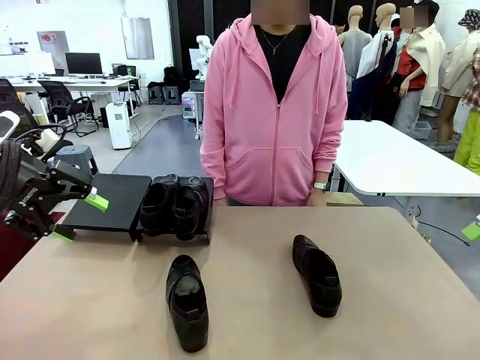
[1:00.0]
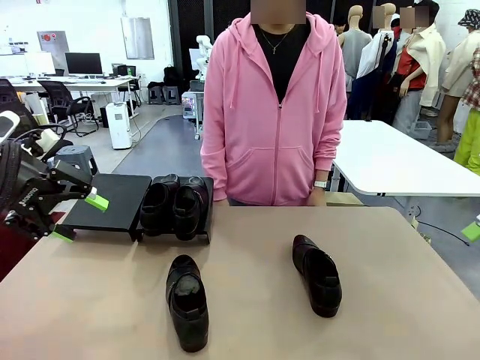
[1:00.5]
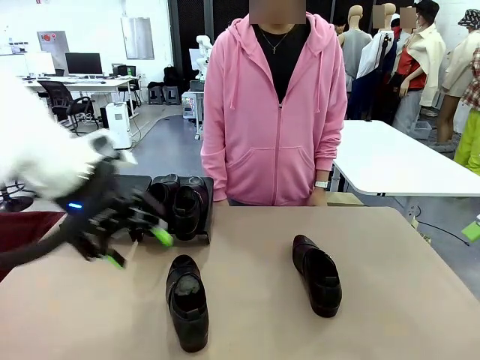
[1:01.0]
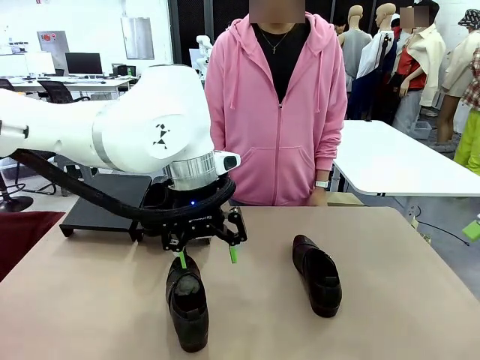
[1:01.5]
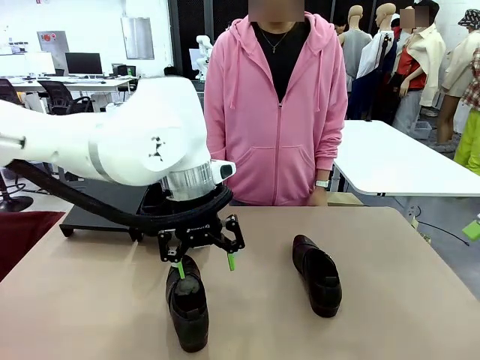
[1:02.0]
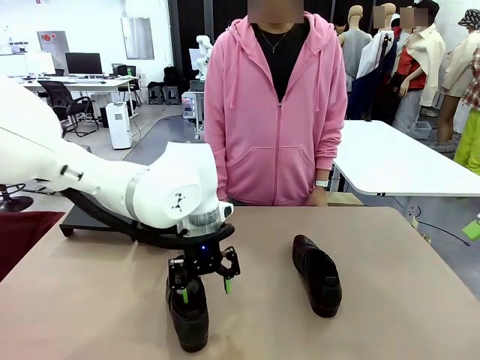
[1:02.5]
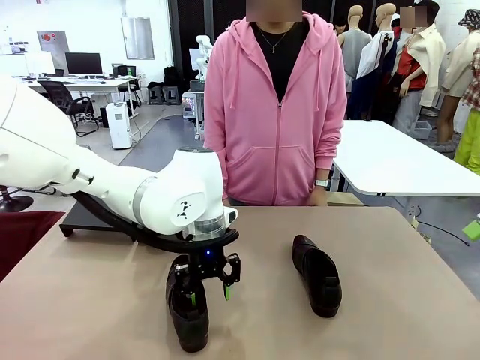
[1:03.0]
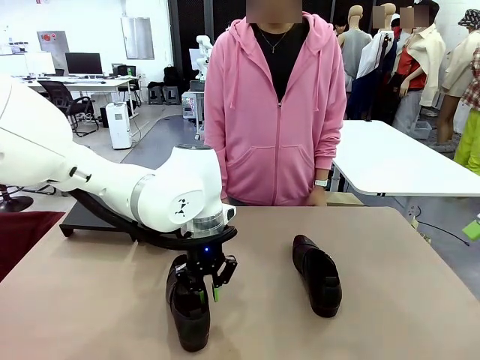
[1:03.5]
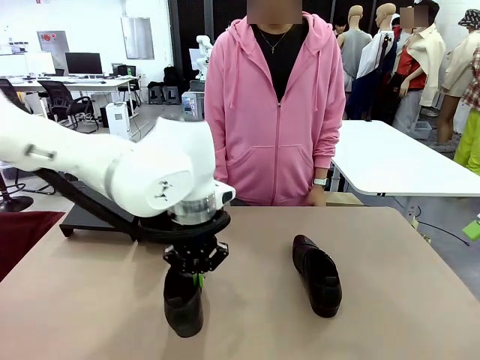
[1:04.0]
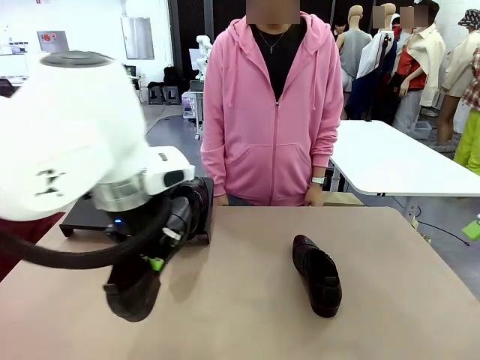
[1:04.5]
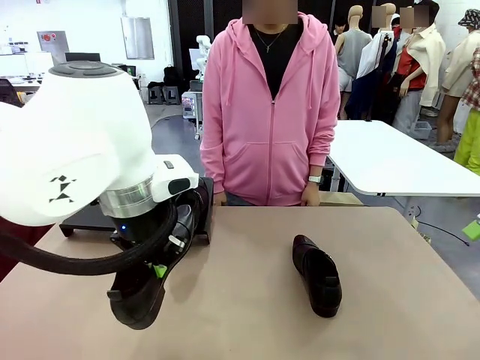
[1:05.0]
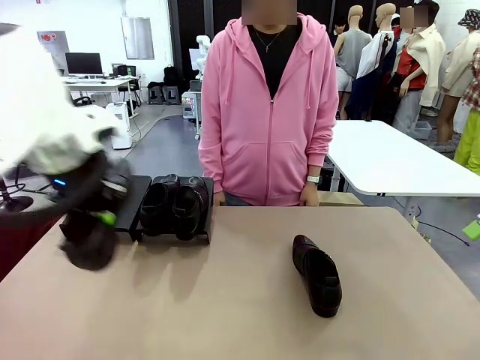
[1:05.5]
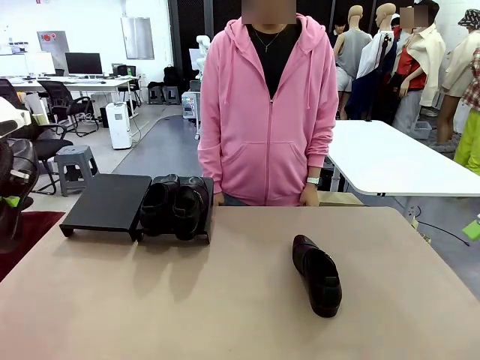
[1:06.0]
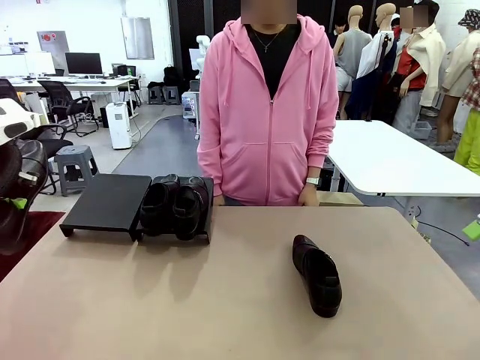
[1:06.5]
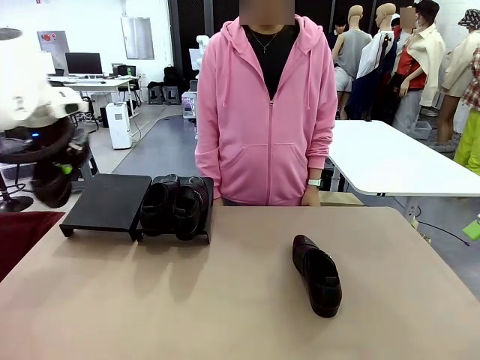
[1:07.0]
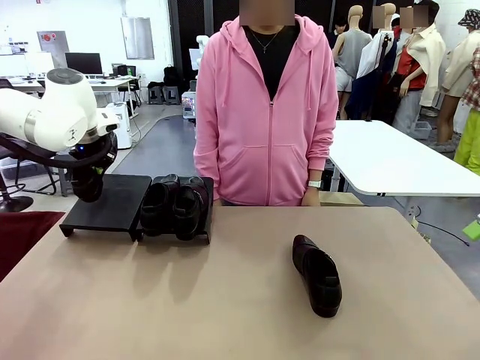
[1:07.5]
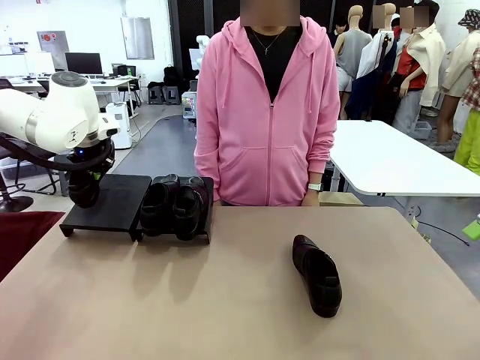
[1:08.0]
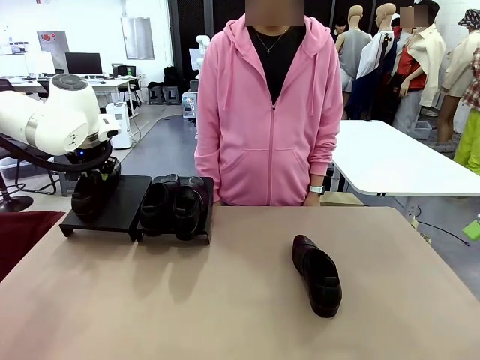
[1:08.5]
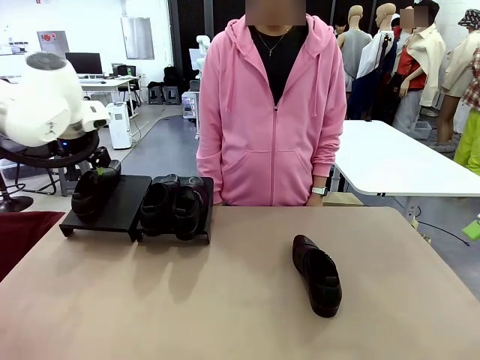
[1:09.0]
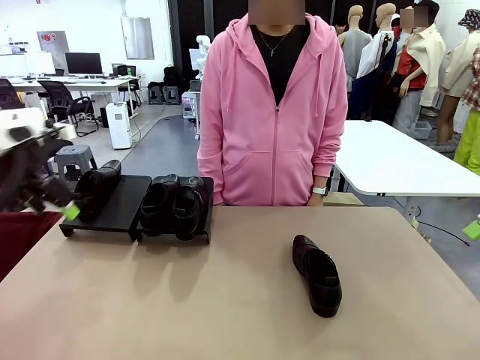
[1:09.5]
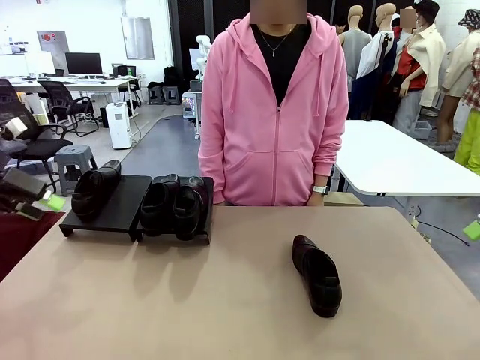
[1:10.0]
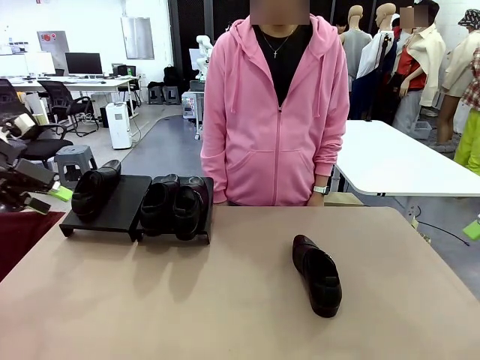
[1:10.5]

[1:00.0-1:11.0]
Task: Organize the shoes by placing them on the stand.
Robot: Place the Shoe from the middle of the table onto the Shoes Stand.

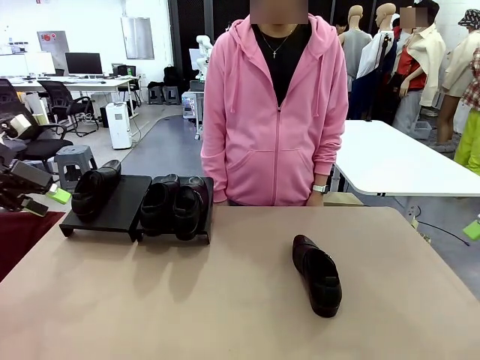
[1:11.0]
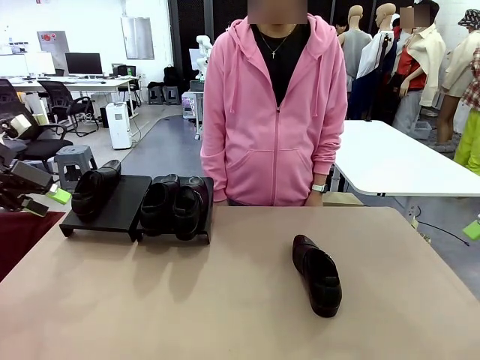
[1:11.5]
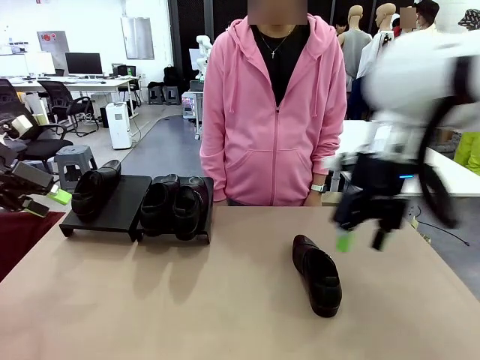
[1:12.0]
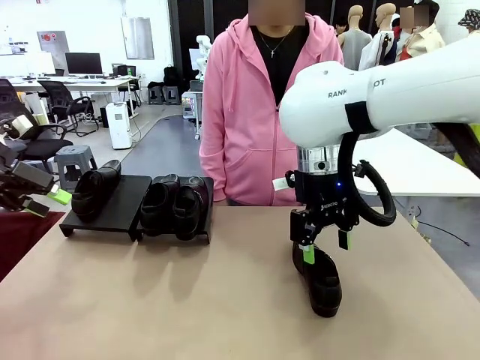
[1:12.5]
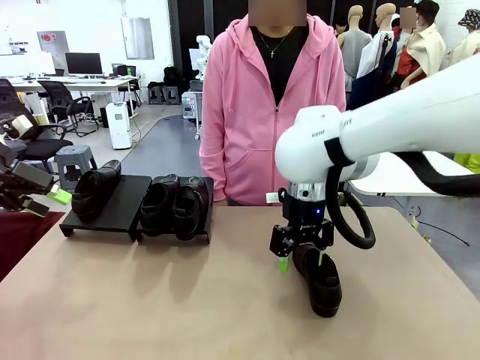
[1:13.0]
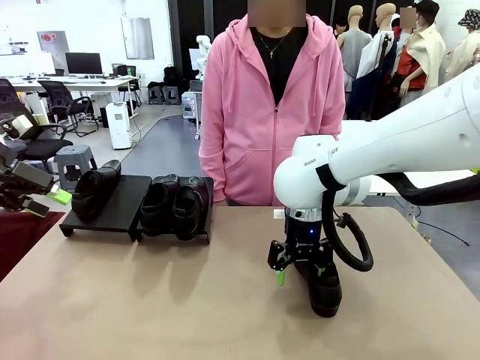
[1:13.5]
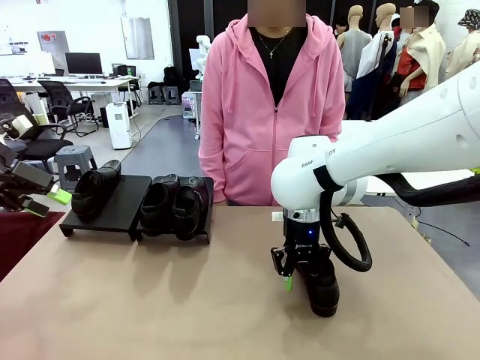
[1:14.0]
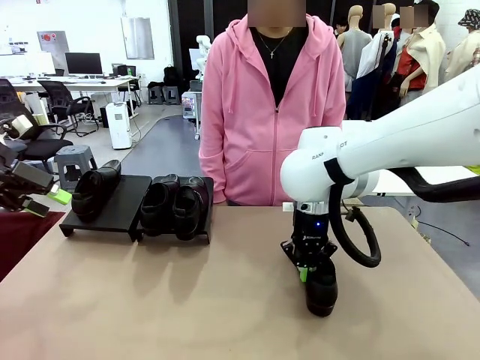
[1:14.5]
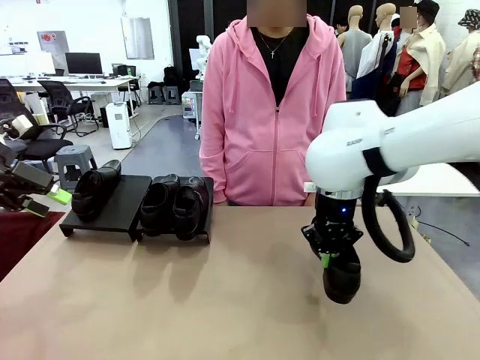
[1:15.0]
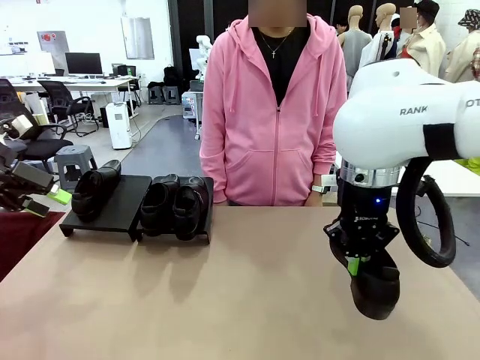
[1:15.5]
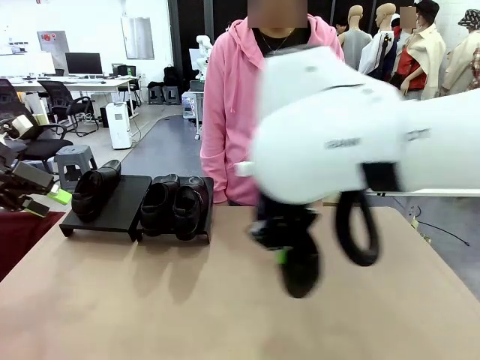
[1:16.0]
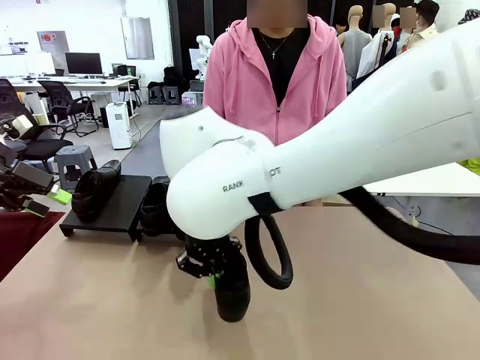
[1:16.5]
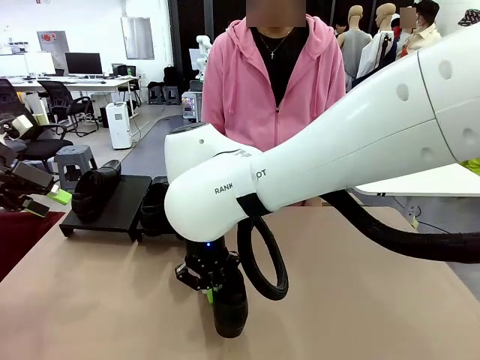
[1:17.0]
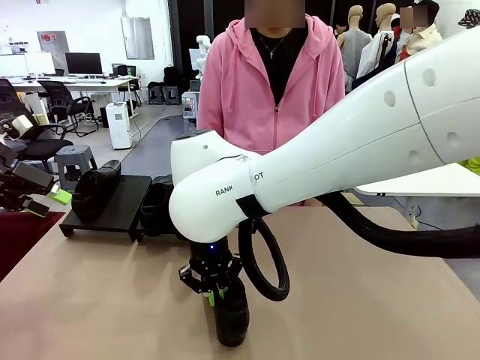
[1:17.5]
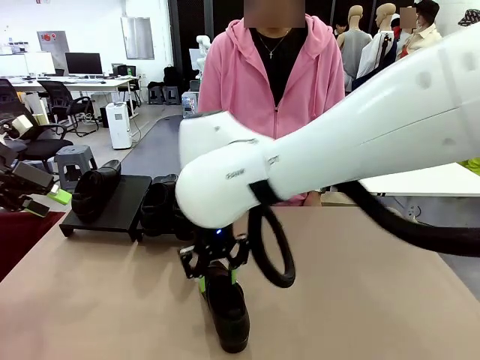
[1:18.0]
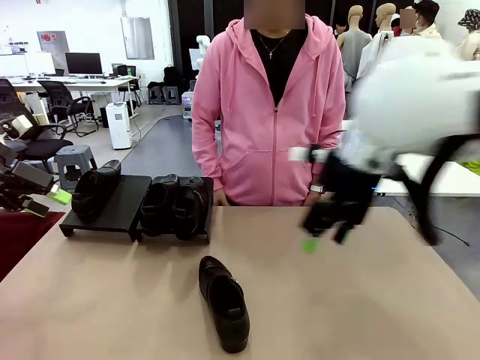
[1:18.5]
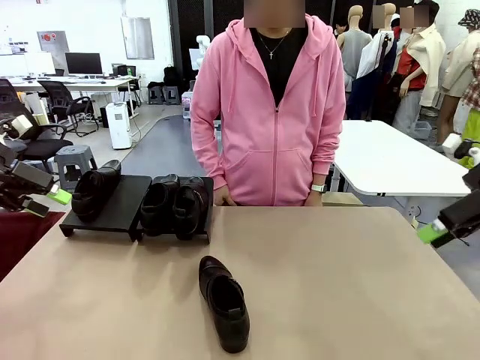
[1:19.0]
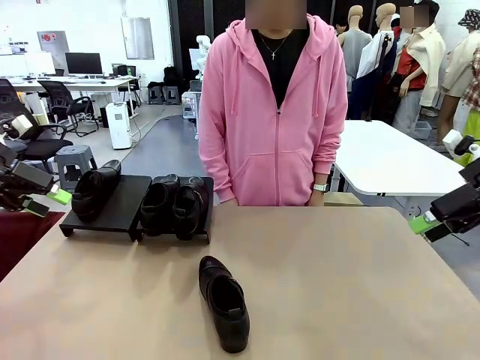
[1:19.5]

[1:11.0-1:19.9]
Robot: Pick up one Shoe and place it in the middle of the table.

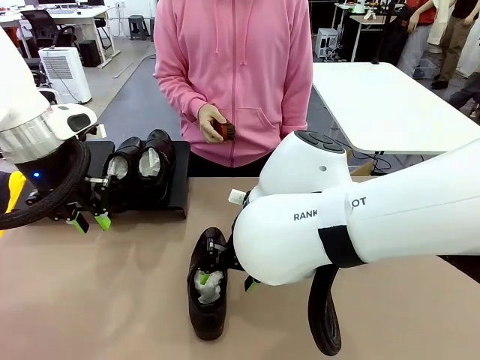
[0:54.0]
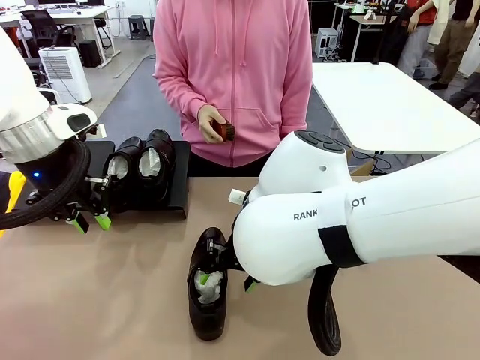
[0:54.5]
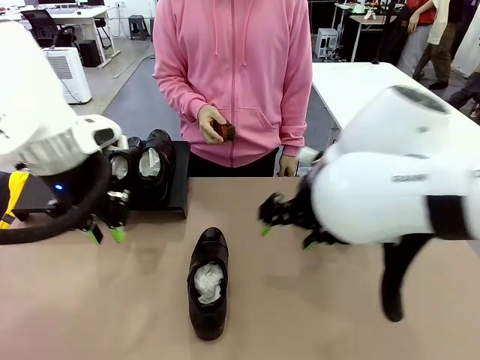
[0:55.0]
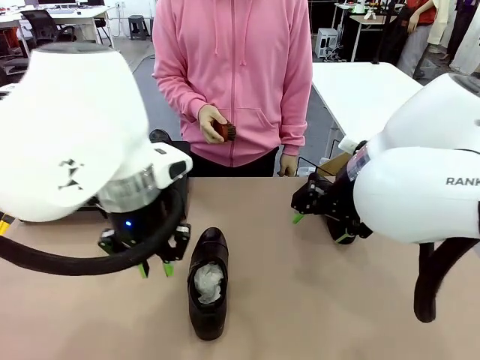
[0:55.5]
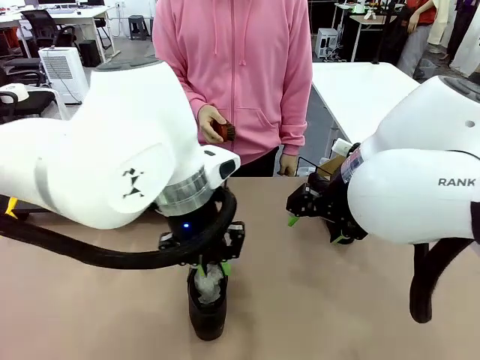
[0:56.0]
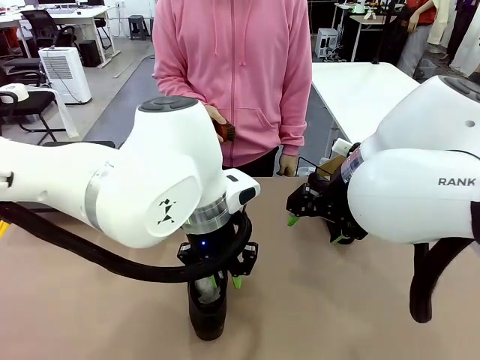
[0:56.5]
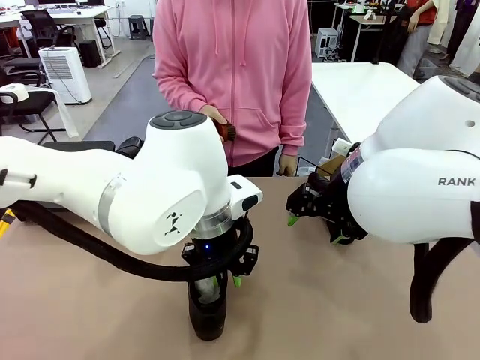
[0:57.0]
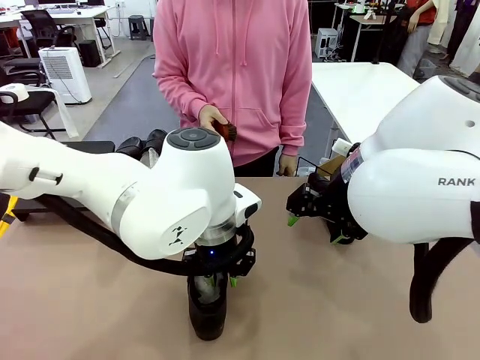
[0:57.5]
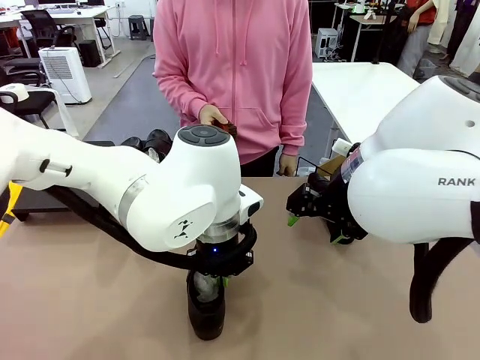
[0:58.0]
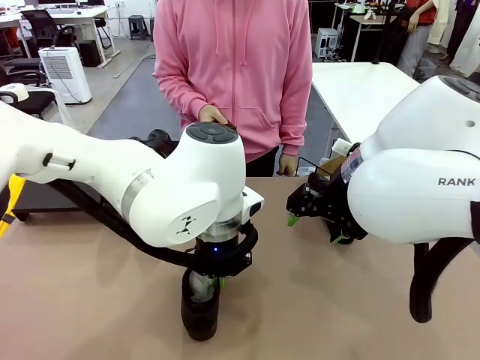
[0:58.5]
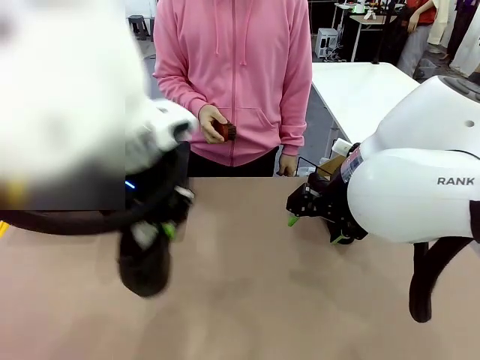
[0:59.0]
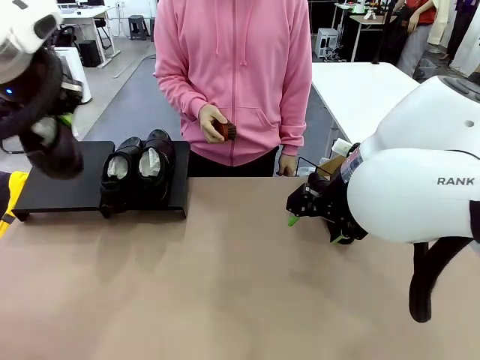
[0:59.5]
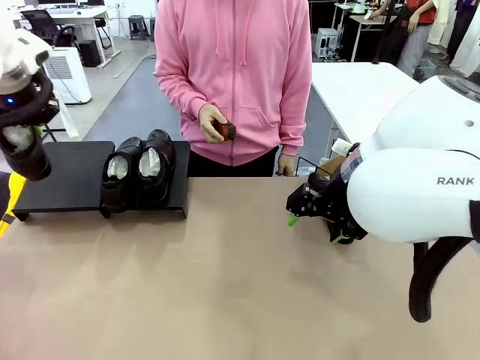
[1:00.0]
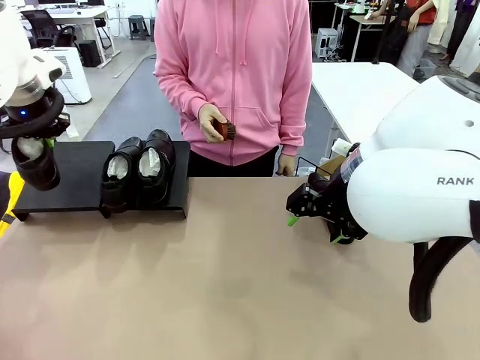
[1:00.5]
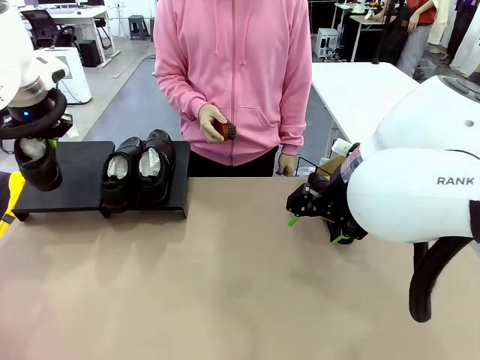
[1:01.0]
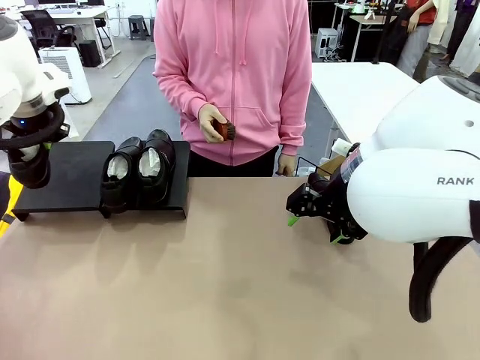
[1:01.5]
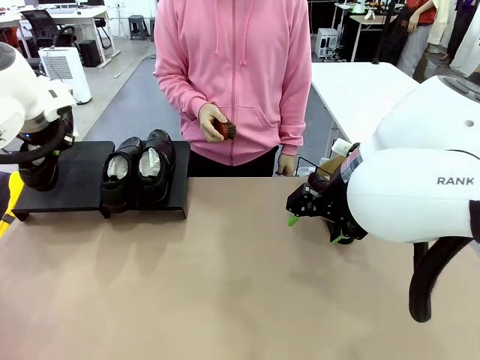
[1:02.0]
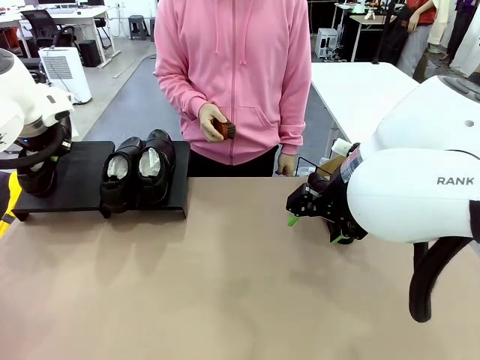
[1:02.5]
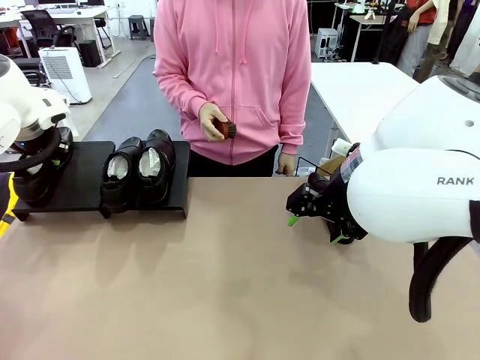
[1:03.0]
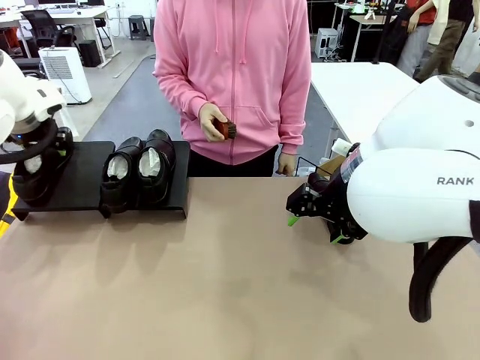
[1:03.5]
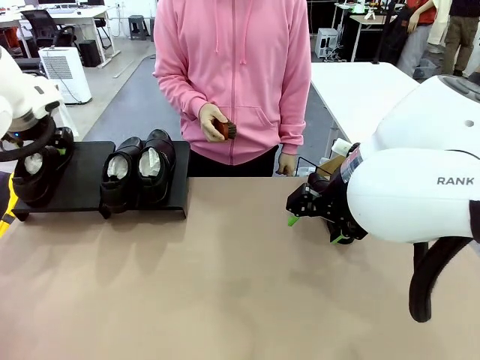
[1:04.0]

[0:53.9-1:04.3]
Task: Organize the shoes by placing them on the stand.
Robot: Place the Shoe from the middle of the table onto the Shoes Stand.
